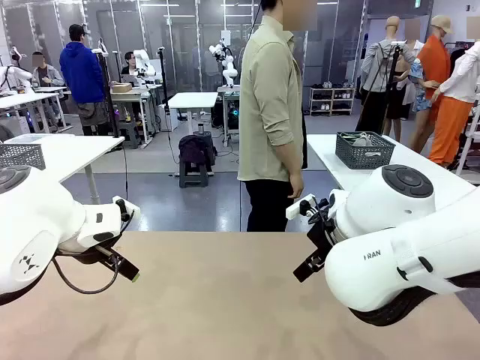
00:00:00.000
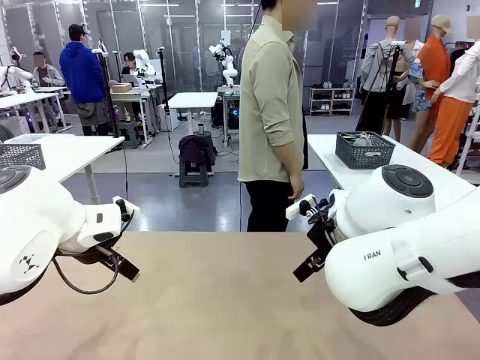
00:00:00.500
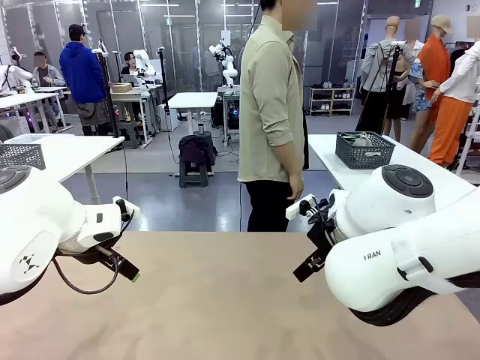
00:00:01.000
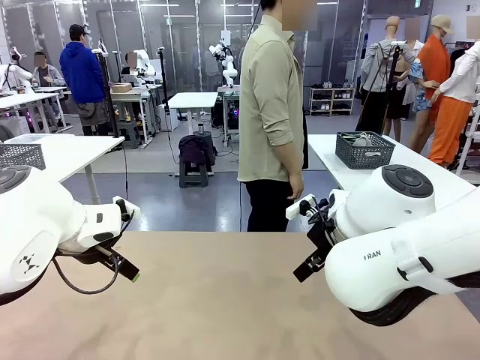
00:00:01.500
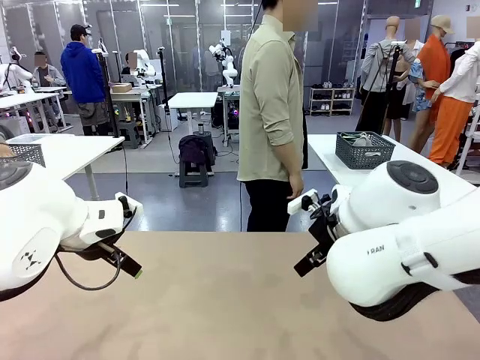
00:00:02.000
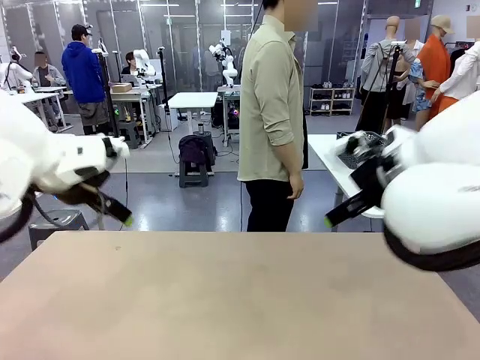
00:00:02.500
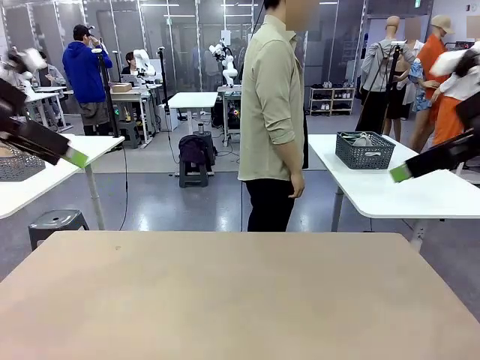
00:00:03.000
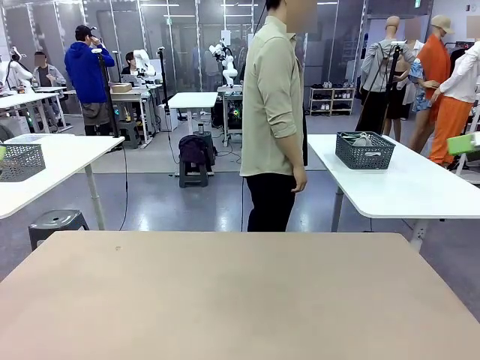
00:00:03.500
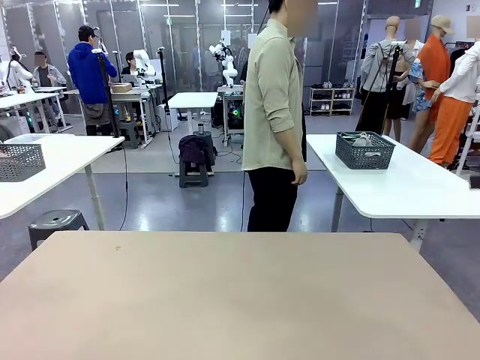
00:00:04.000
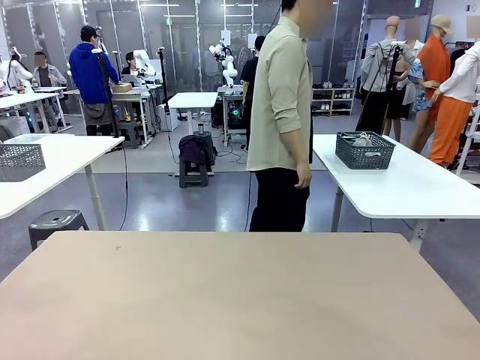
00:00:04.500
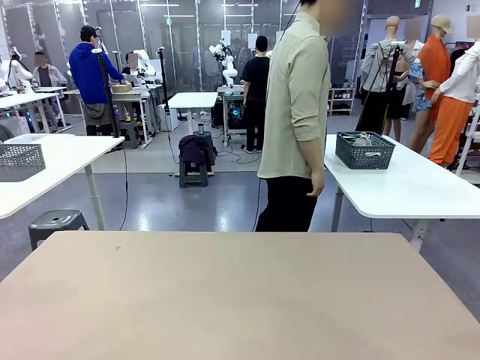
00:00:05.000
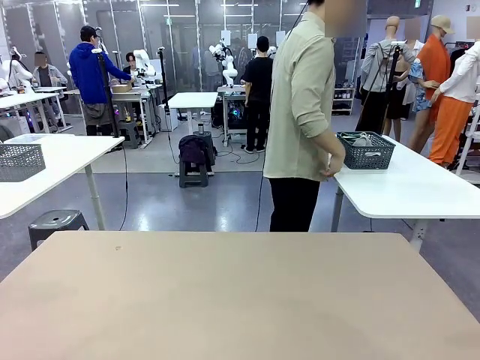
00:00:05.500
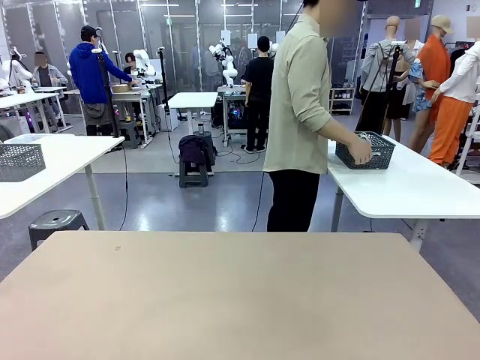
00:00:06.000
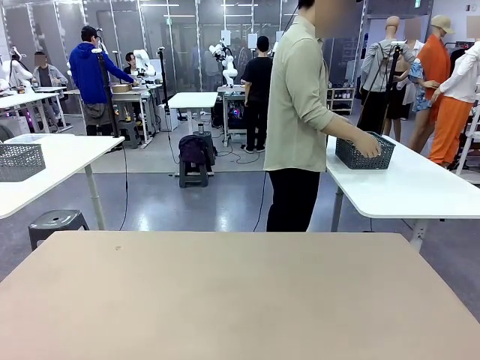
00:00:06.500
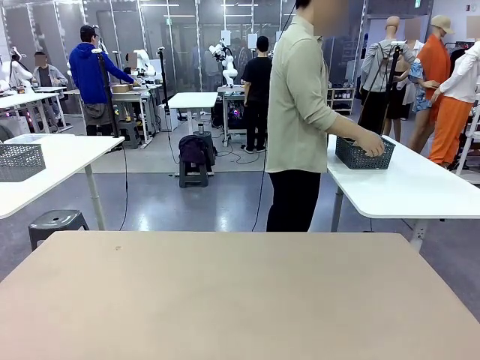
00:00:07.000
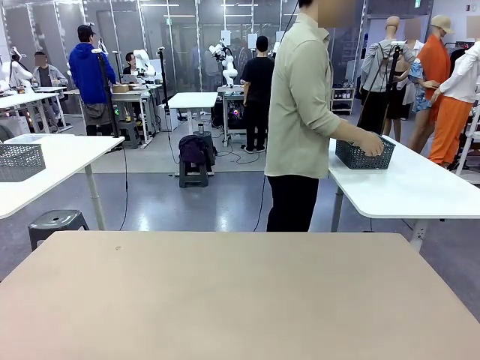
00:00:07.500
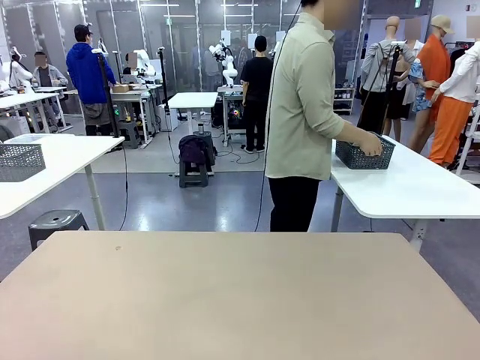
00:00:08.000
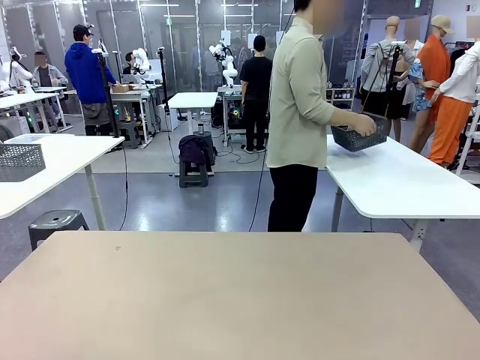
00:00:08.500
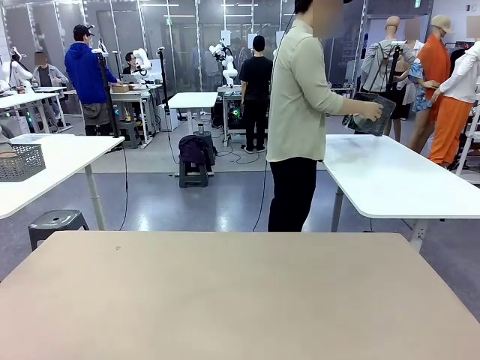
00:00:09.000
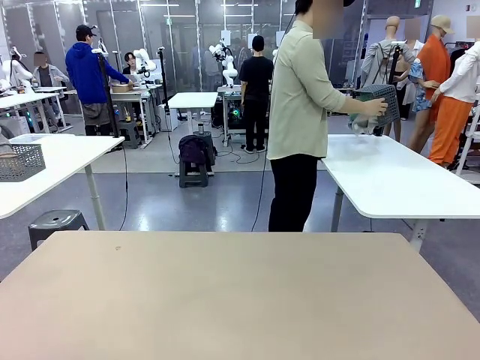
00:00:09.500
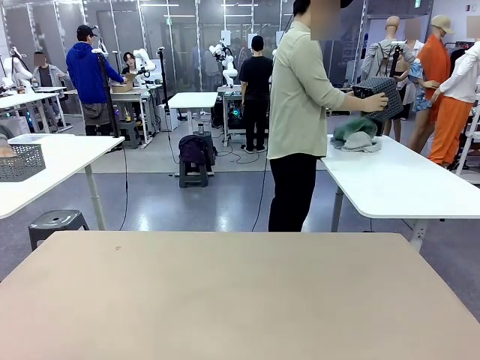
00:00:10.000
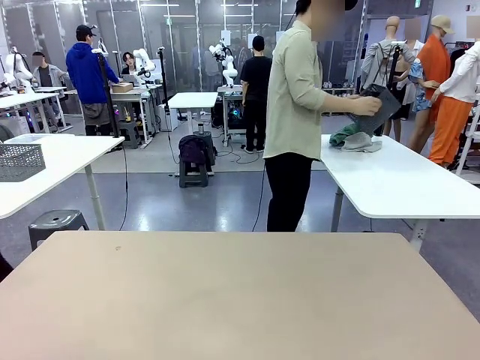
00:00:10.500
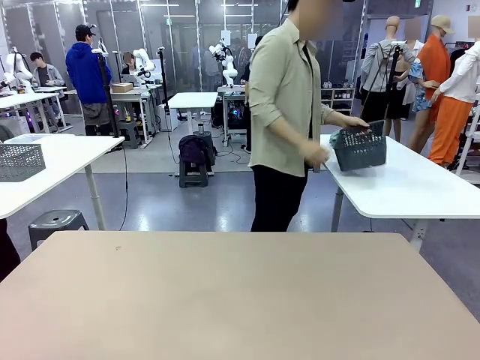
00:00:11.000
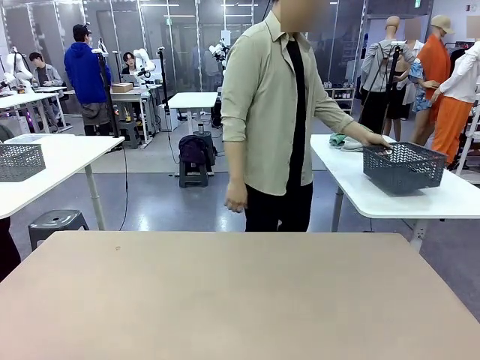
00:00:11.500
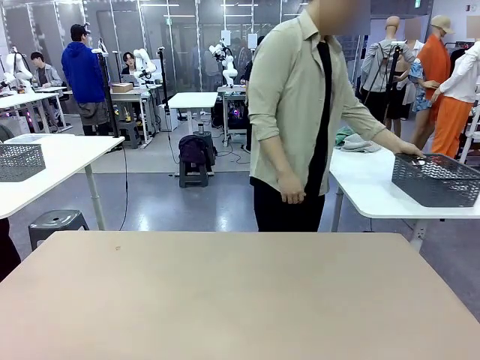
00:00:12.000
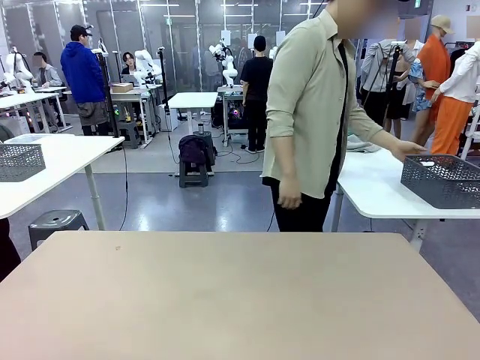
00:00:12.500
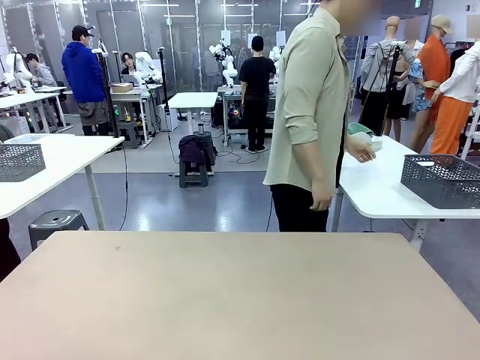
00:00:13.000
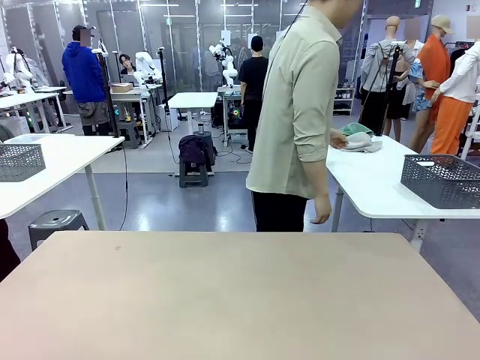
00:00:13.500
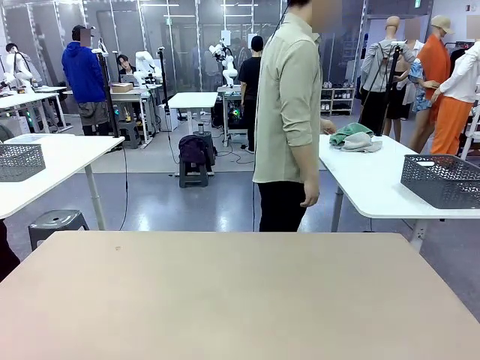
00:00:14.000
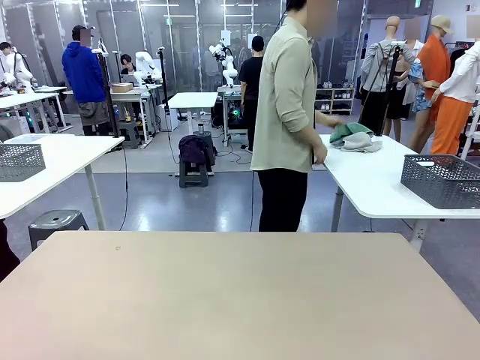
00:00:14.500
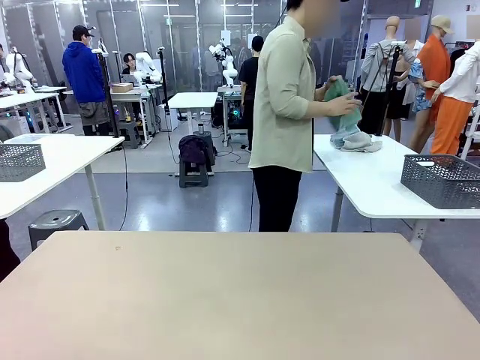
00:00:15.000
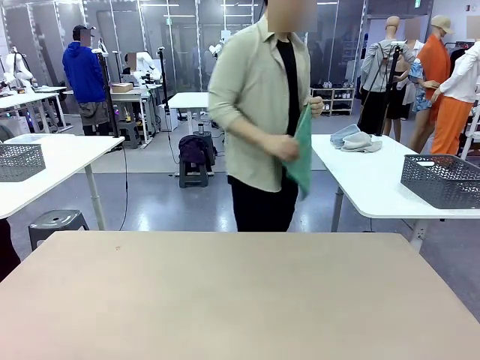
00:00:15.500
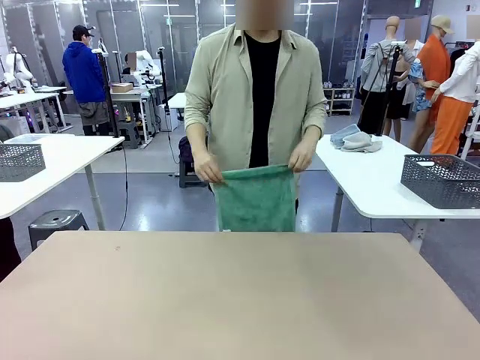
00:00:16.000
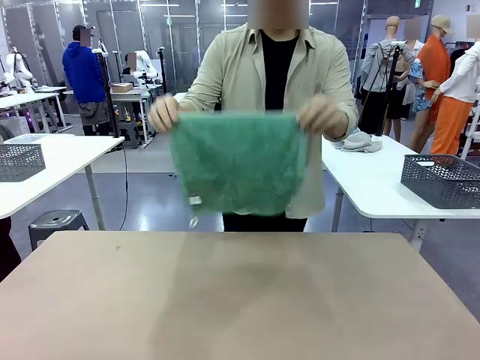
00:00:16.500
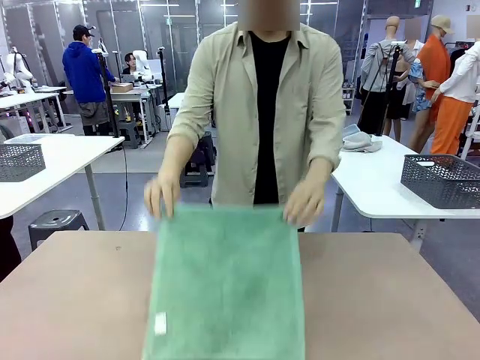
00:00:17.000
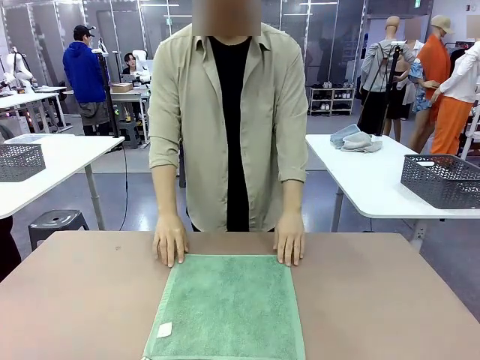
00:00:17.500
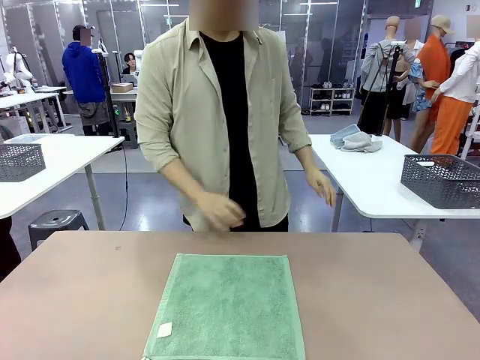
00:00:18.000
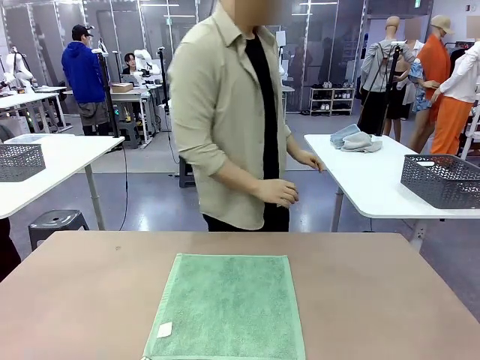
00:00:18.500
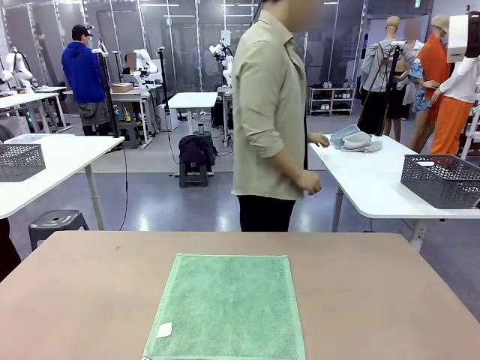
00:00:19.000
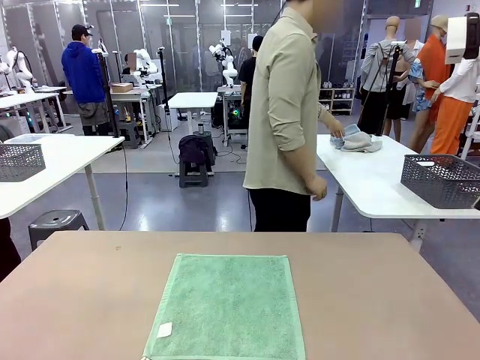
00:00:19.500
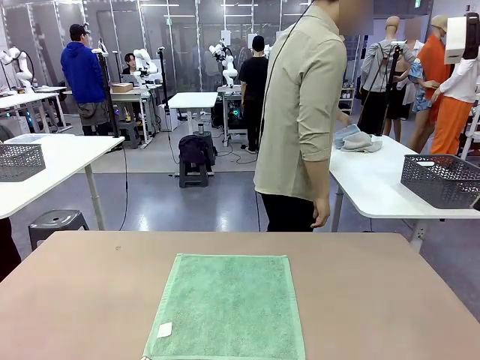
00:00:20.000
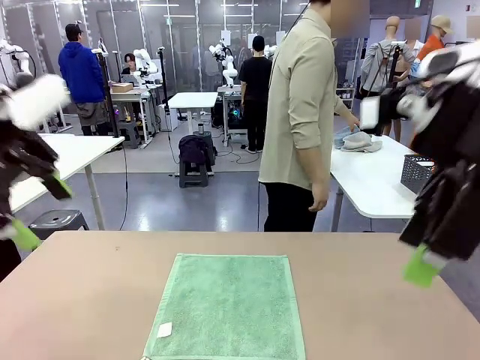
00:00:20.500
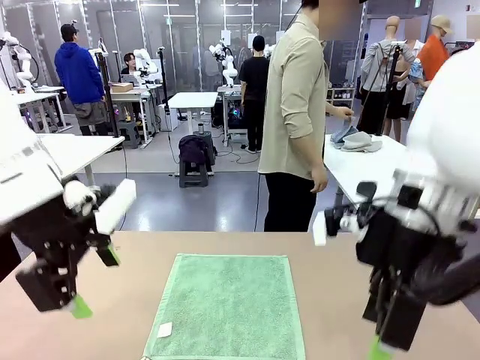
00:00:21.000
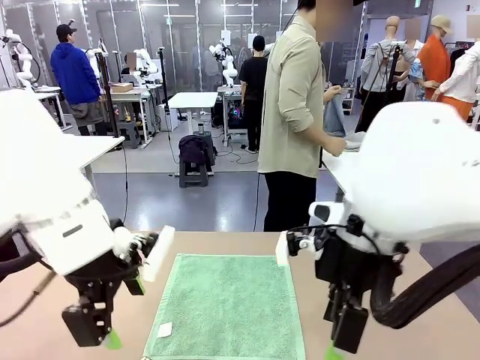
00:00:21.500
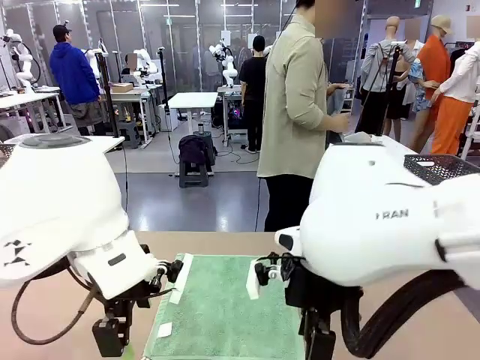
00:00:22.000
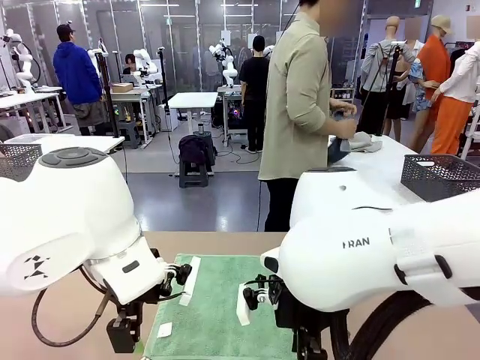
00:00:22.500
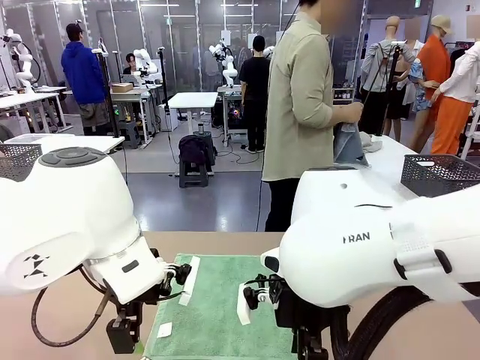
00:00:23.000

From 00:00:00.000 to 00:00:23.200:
Task: Fold the towels and place them in the basket.
Robot: When a person lays out a Towel with hook on the table, fold it in half twice.
Person: Pick up the basket, pour the towels onto the left side of the human table, and place the basket on the right side. Pick up one towel and spread it out at the center of the robot table.
